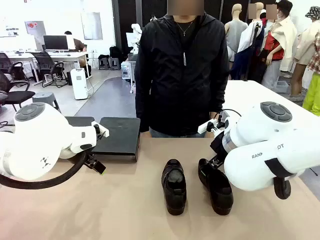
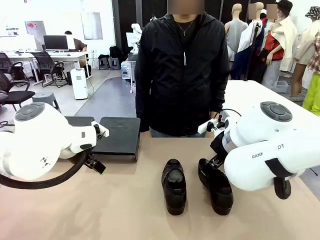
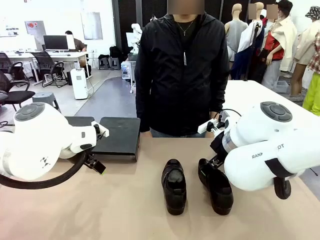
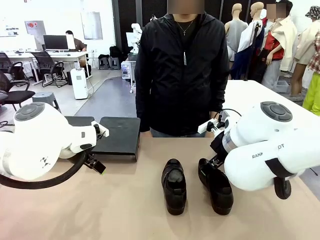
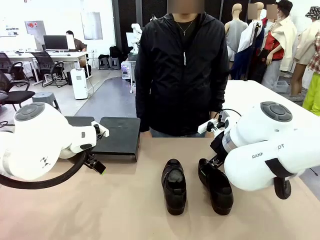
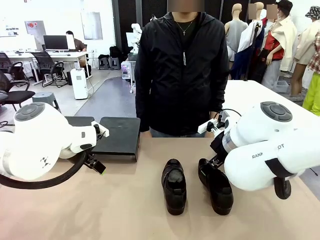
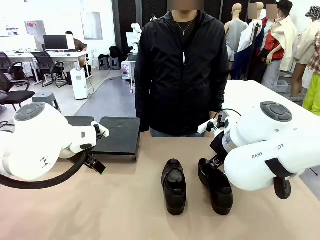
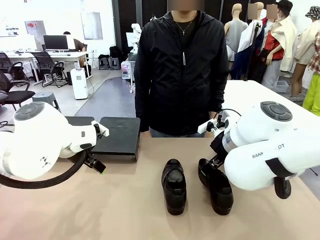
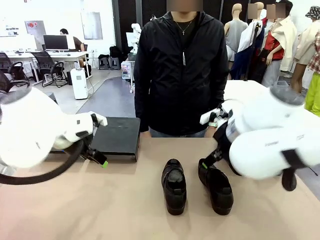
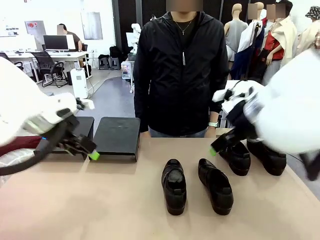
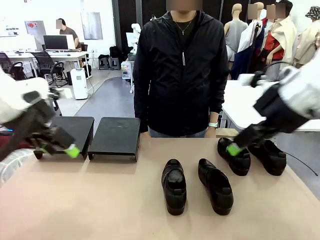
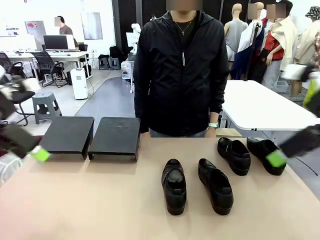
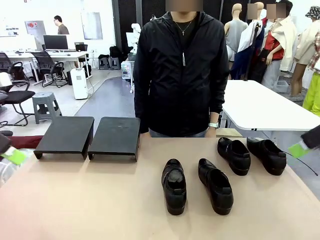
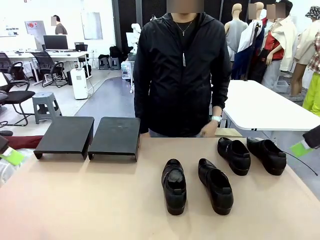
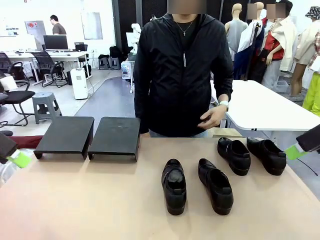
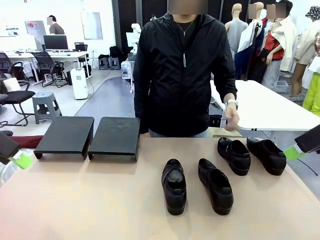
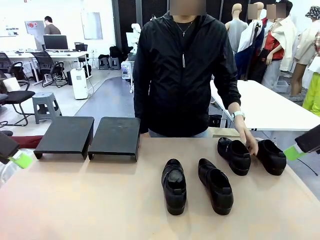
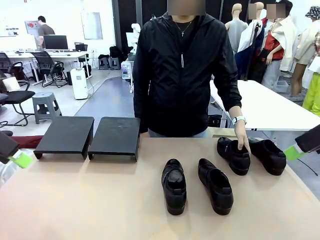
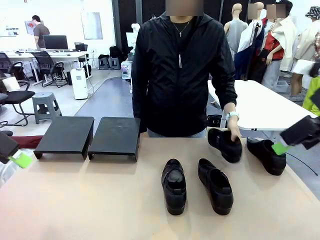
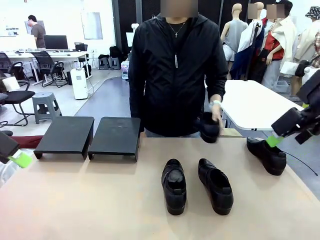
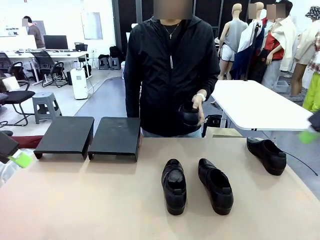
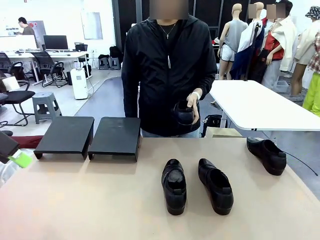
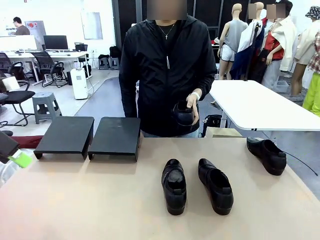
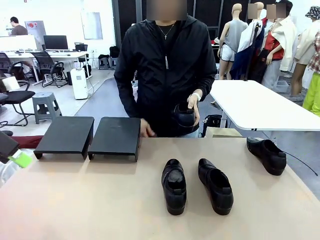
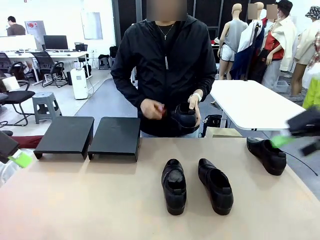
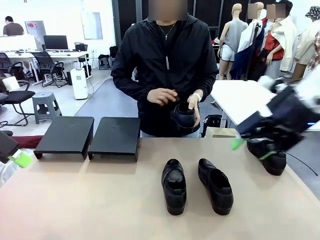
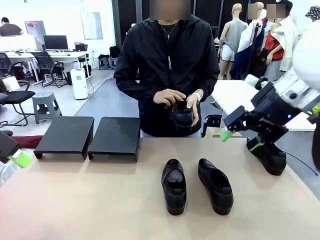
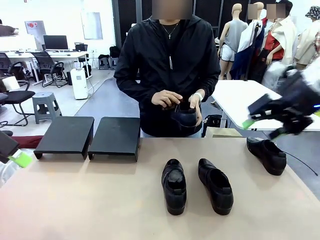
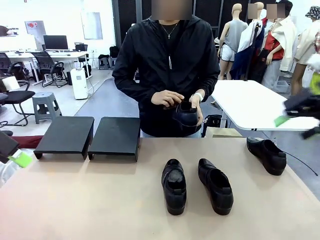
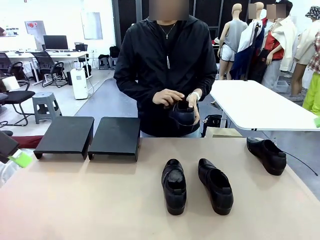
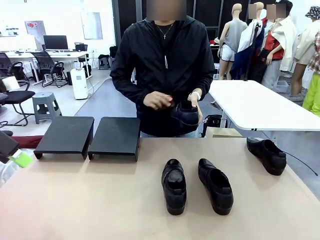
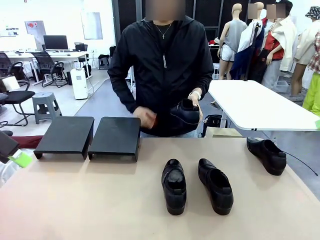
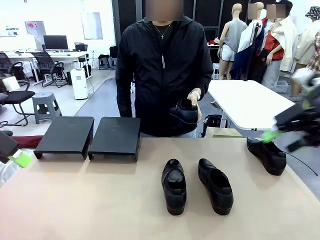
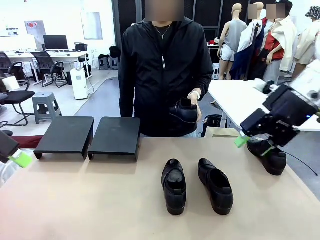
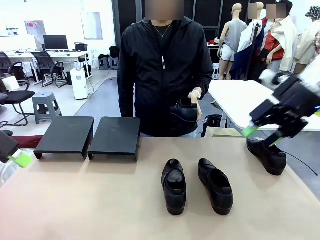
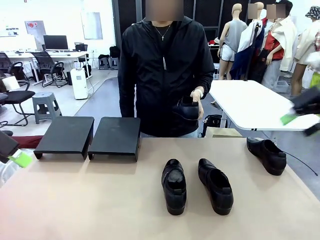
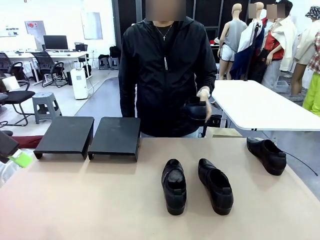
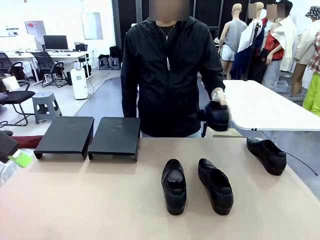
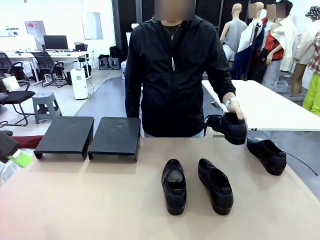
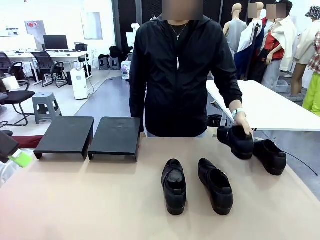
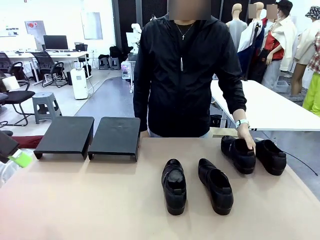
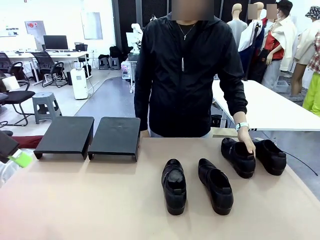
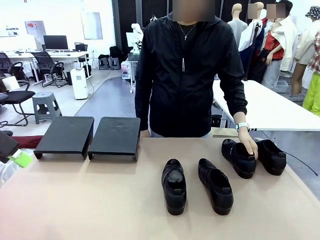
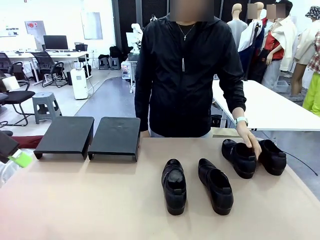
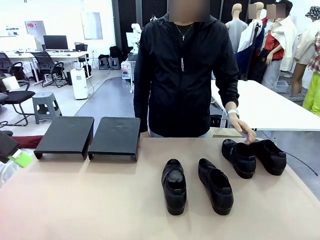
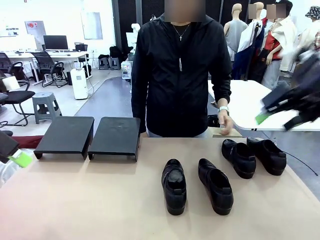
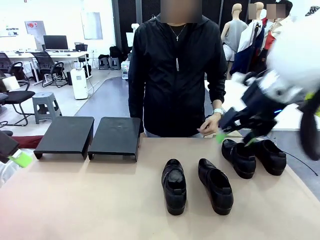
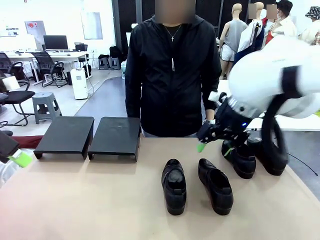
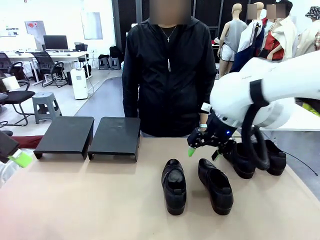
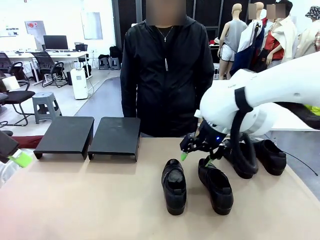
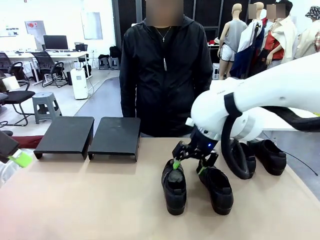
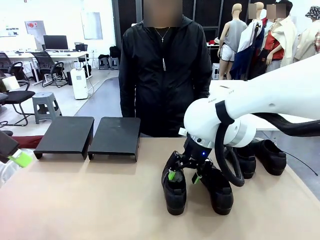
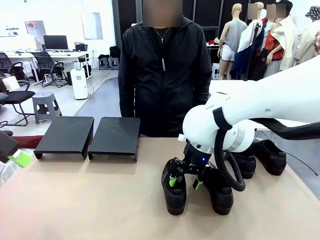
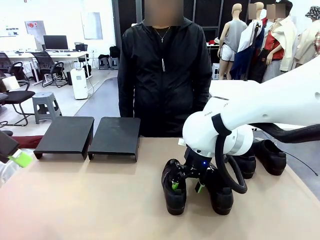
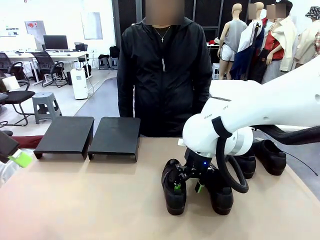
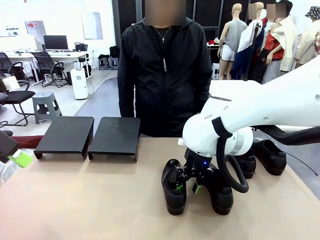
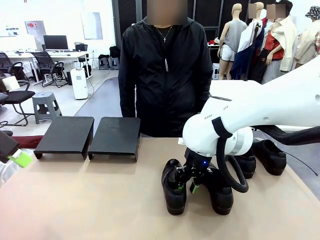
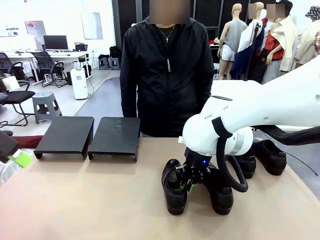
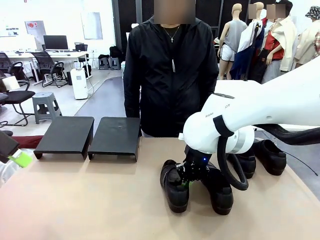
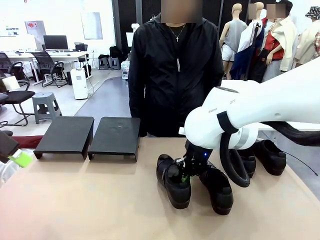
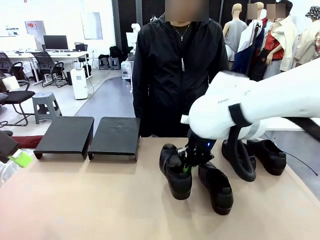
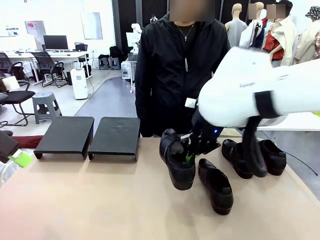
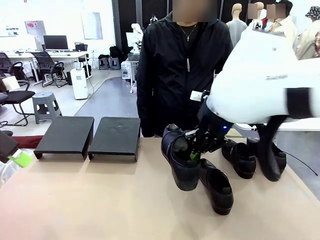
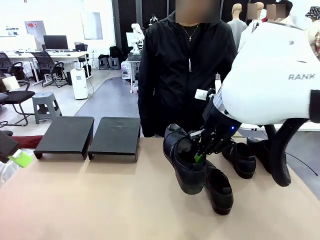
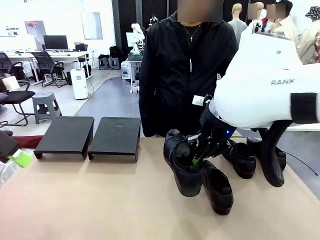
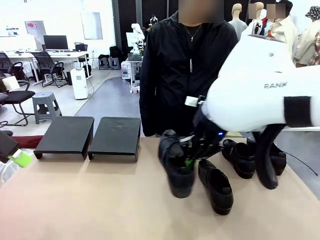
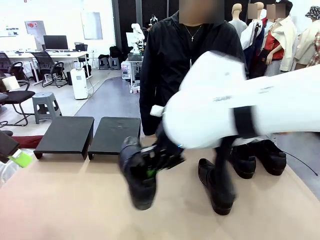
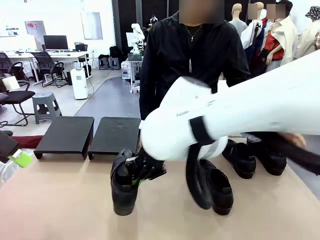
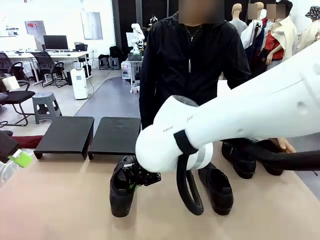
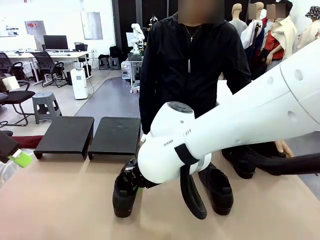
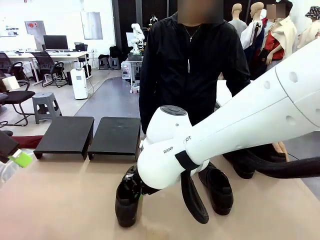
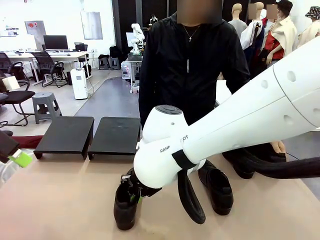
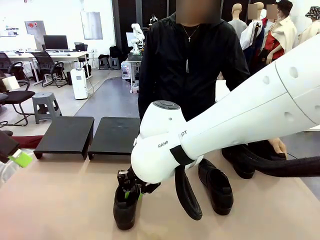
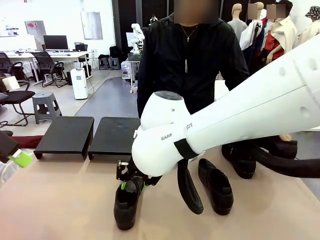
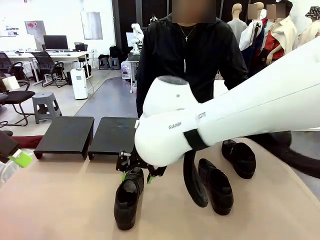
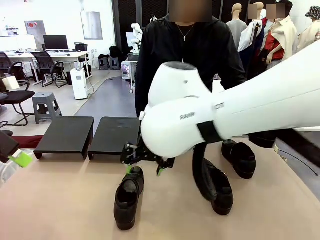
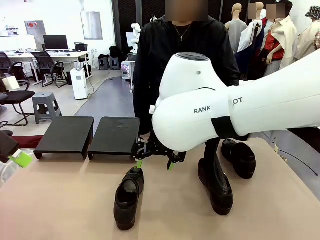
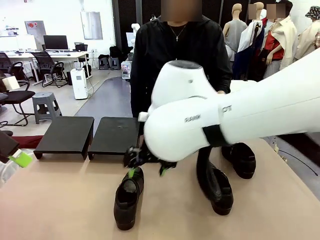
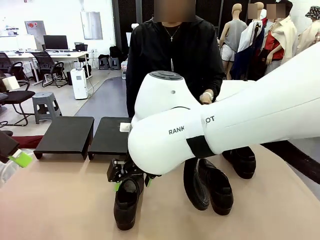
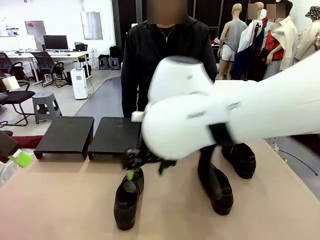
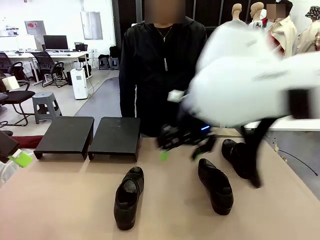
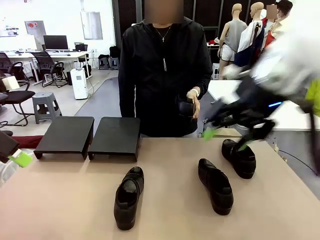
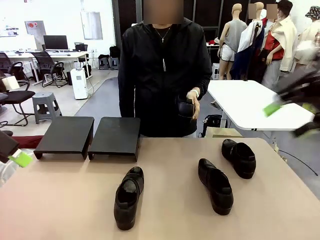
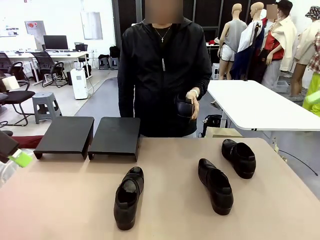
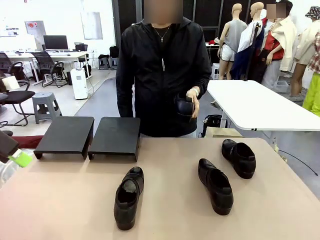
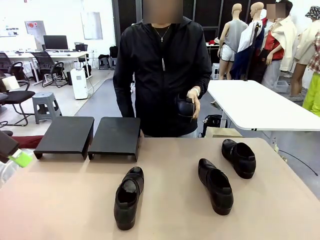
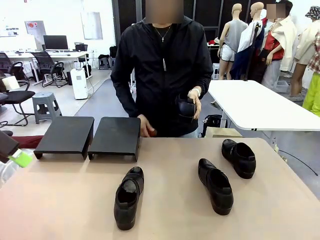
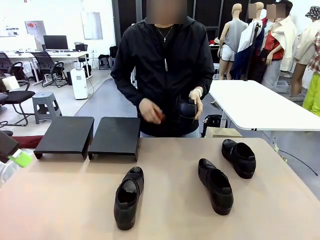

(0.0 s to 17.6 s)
Task: Organize the shoes by placing them on the stand.
Robot: Pick up one Shoe and place it in the middle of the table.
Person: Pick one Shoe on Robot's table. Clean the Shoe with the Shoe Brush. Place the Shoe on left side of the Robot's table. Pick one Shoe on Robot's table.
